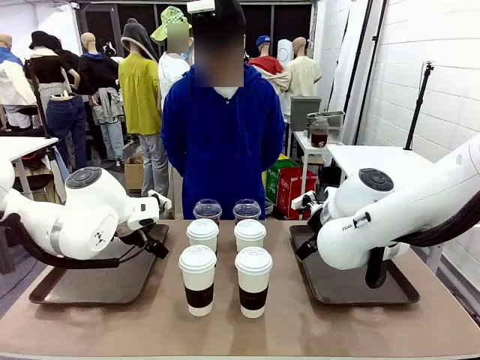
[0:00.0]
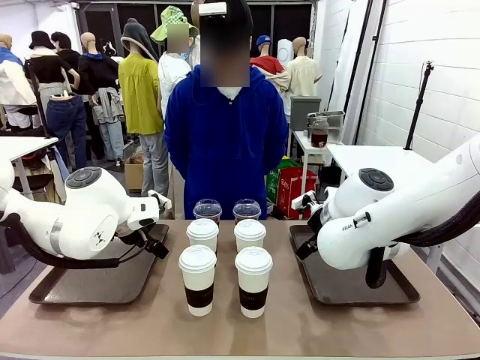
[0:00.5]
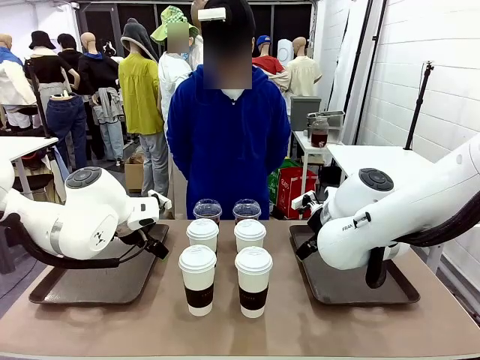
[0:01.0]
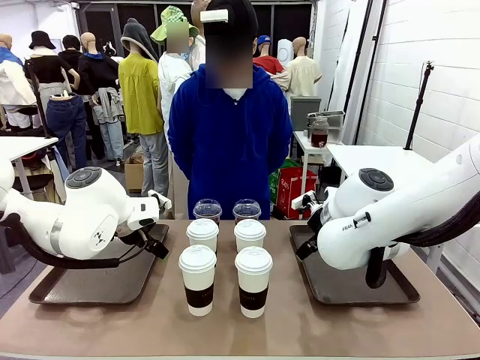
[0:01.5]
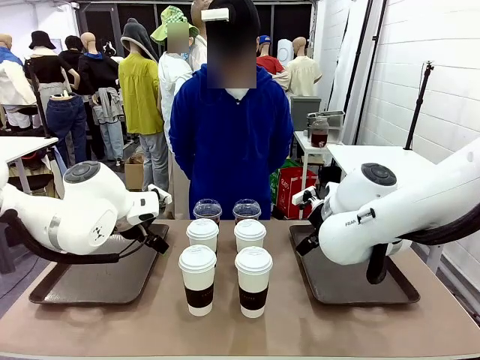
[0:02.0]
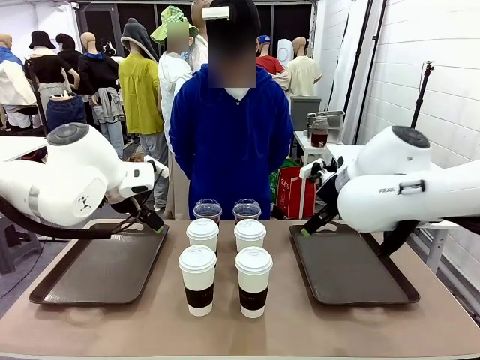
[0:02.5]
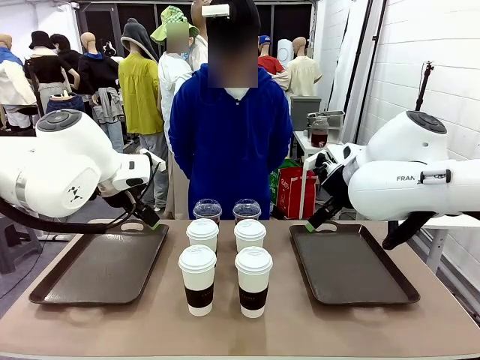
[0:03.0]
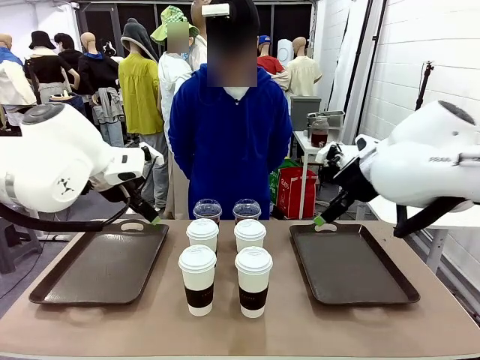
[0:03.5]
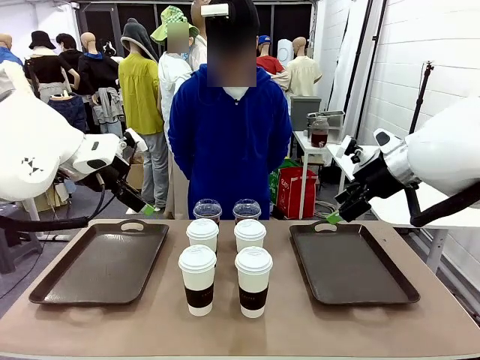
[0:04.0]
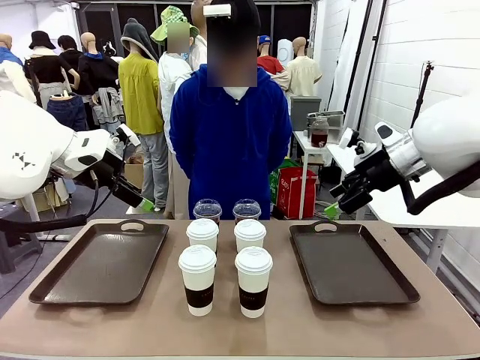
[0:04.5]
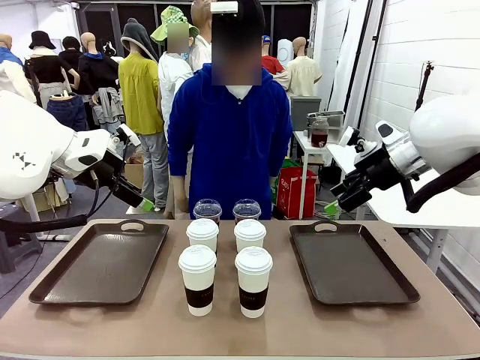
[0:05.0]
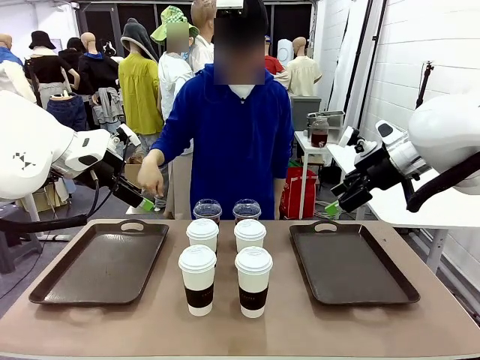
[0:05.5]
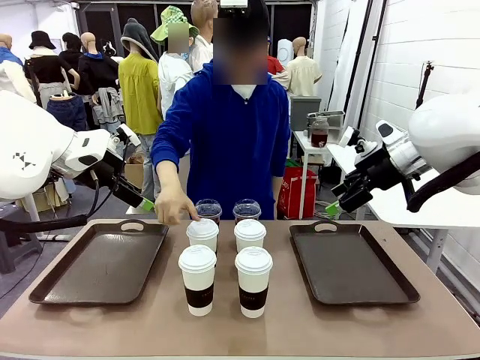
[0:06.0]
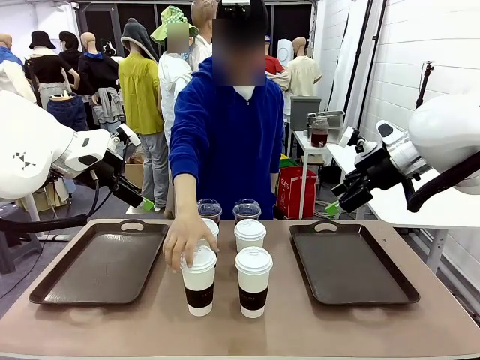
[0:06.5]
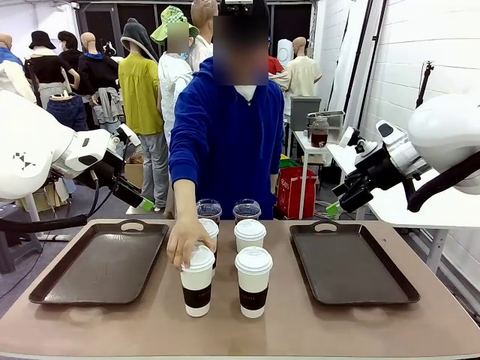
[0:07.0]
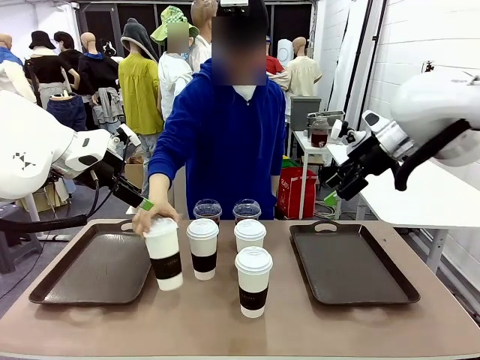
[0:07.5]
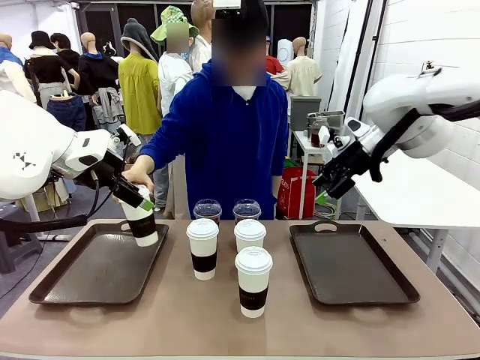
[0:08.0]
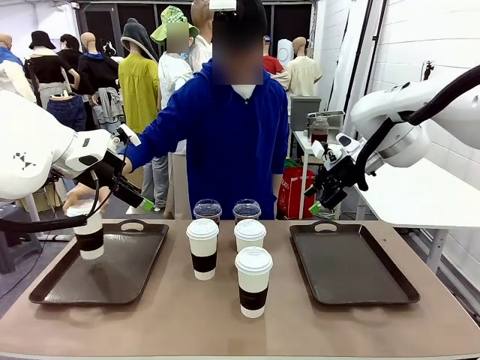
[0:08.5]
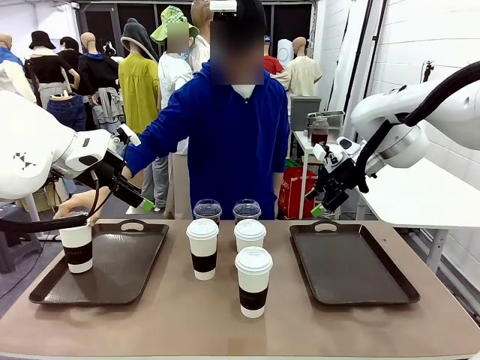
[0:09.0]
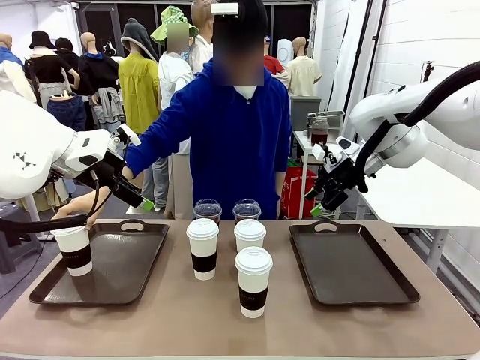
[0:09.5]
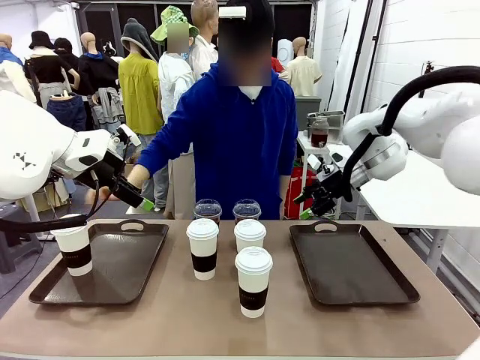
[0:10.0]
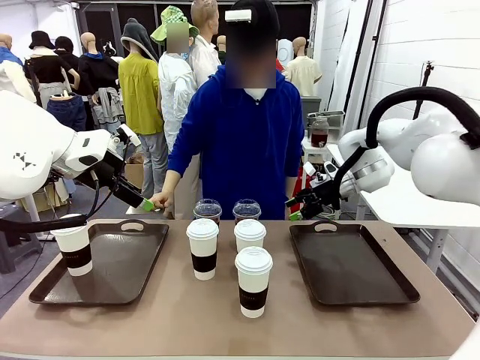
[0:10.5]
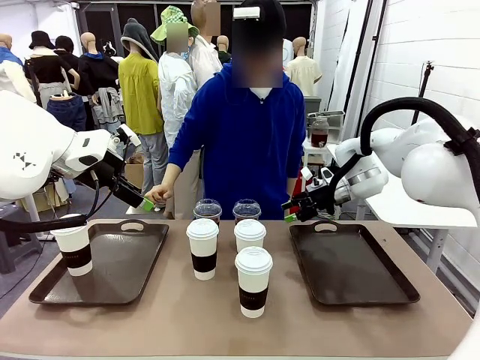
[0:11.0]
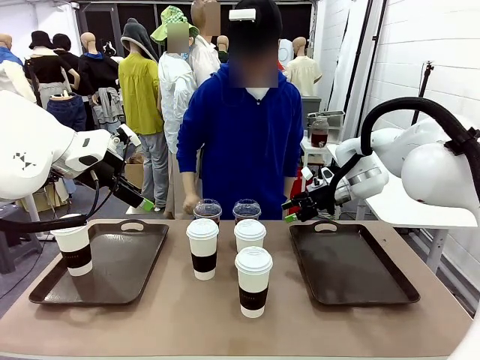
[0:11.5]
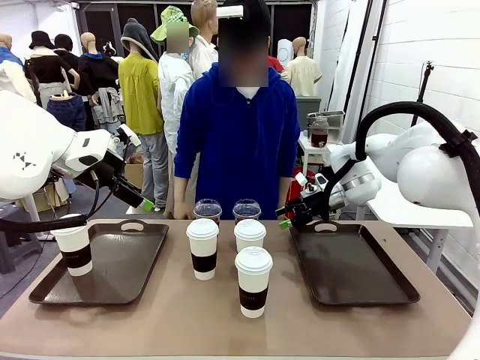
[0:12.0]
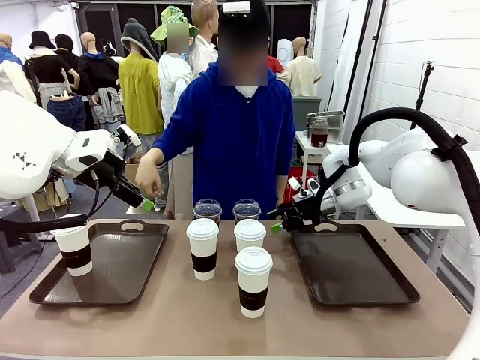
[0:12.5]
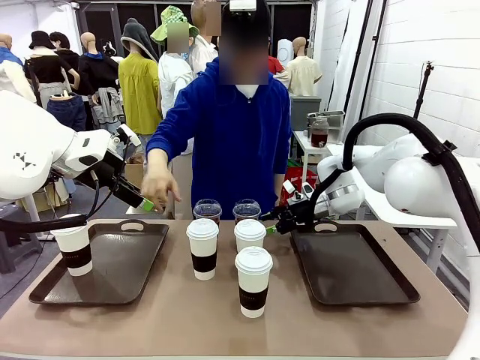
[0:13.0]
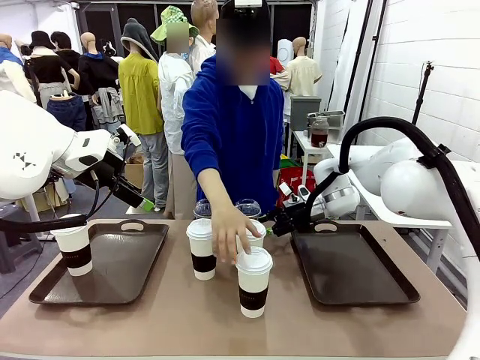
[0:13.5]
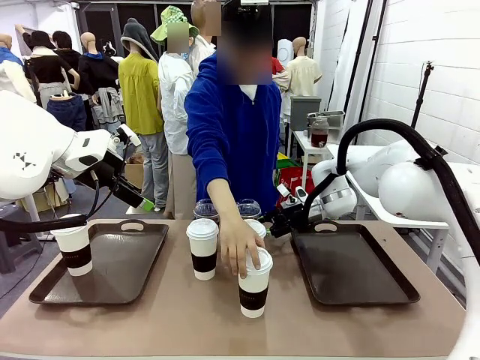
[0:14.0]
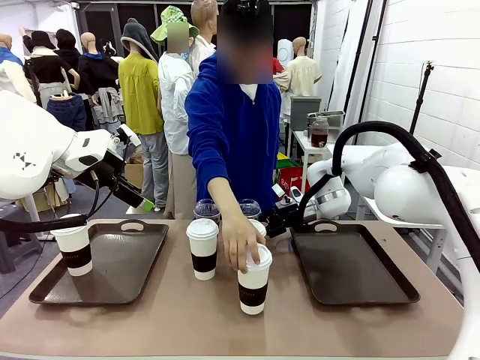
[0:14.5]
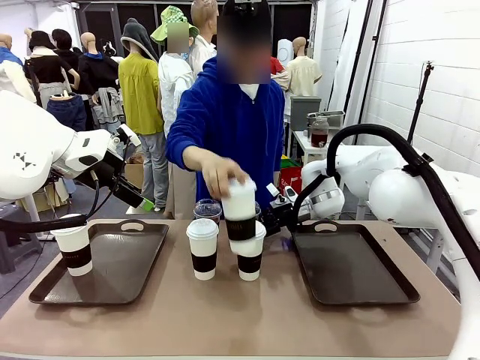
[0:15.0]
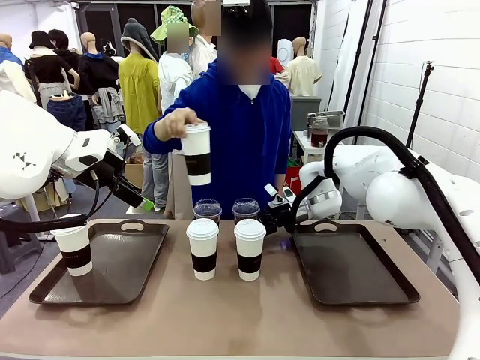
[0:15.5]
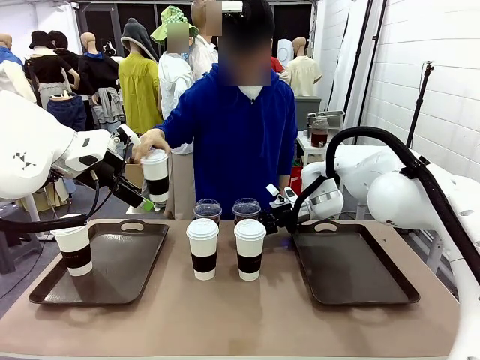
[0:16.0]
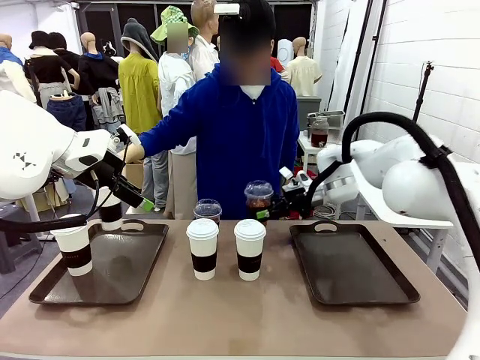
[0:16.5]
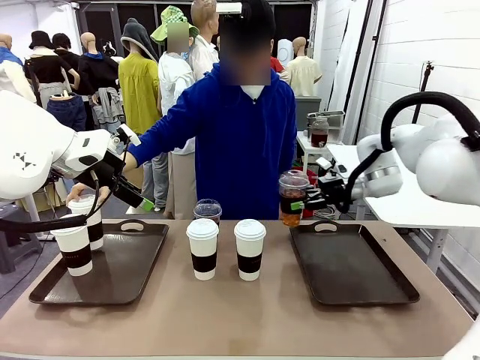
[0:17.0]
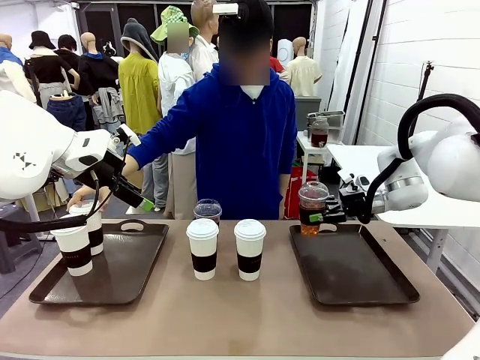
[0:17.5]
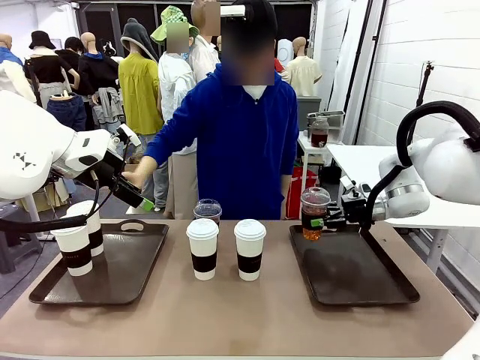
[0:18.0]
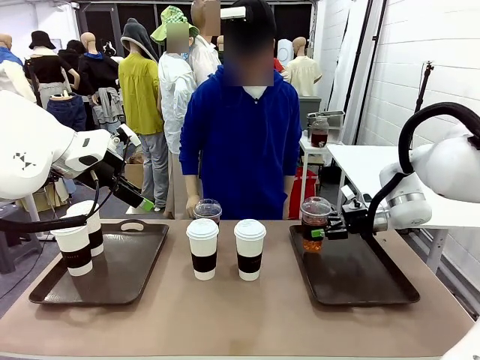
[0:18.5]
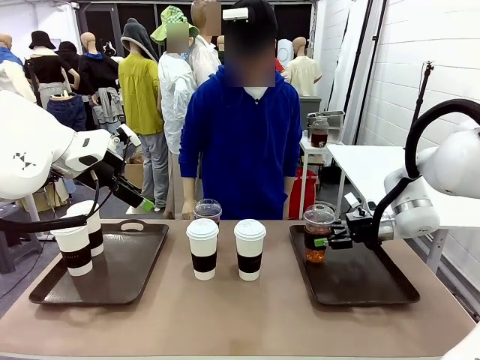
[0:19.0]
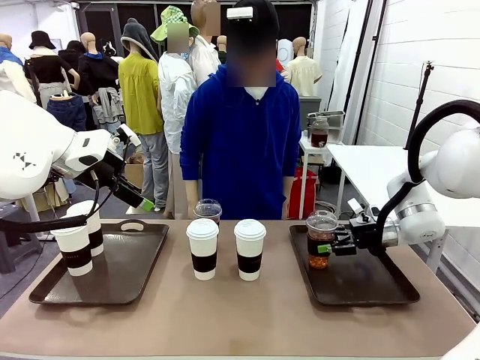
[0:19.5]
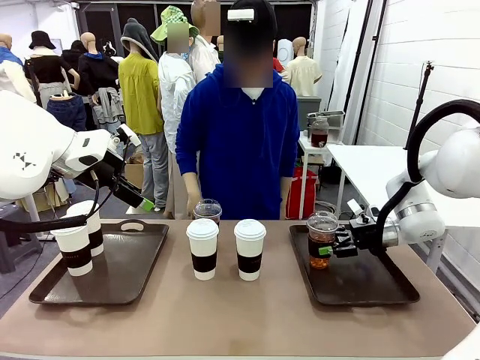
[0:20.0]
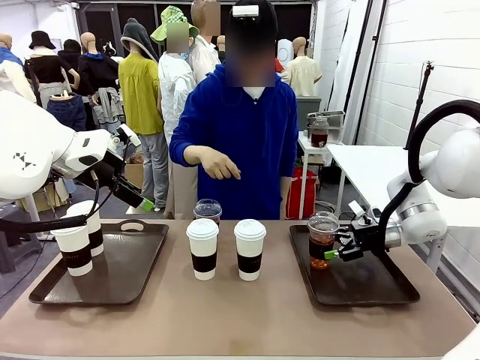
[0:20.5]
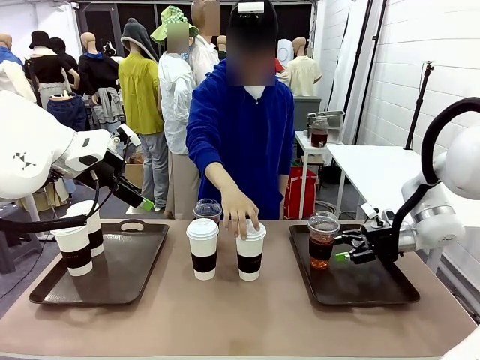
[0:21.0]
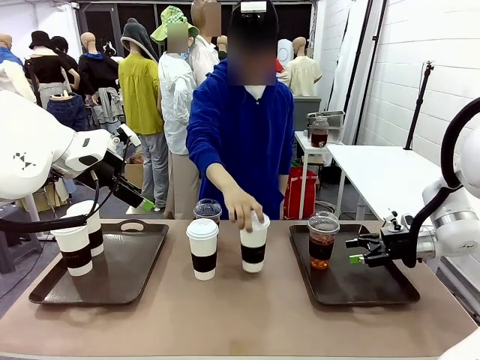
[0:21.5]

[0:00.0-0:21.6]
Task: Distribute the coffee onto the tray.
Robot: Pick up one iced Americano and place it on the right Handle tray.
Person: Pick up a cup of hot Americano and place it on the right tray.
